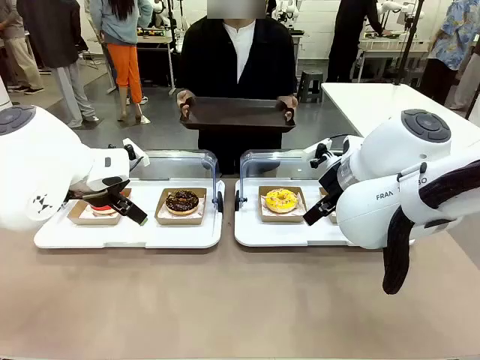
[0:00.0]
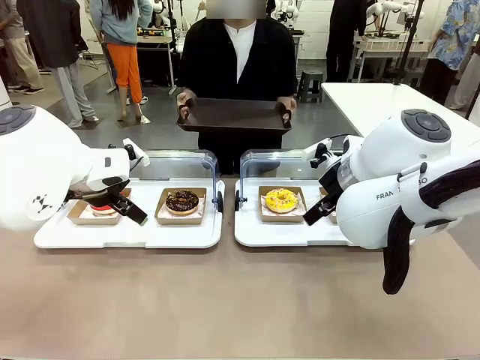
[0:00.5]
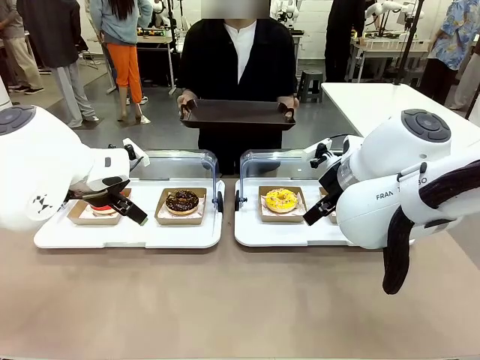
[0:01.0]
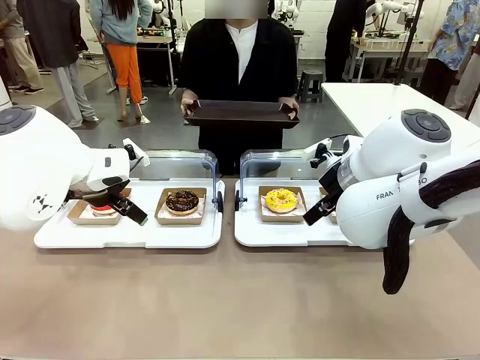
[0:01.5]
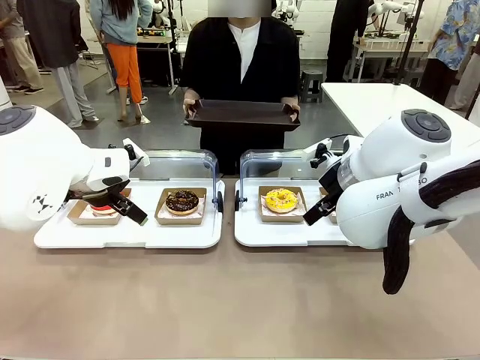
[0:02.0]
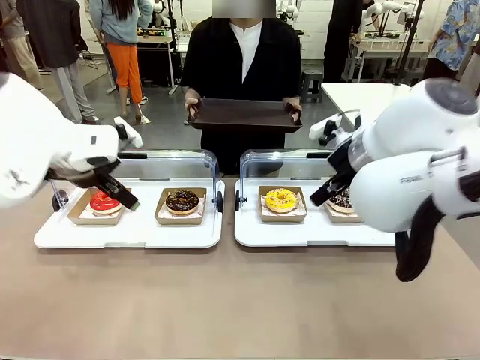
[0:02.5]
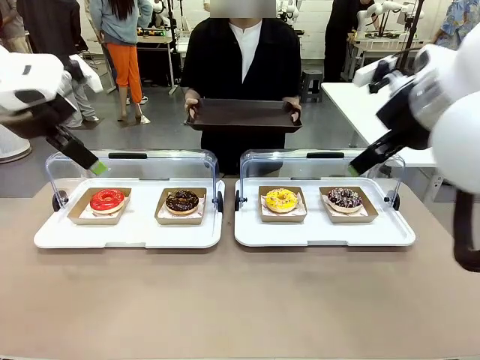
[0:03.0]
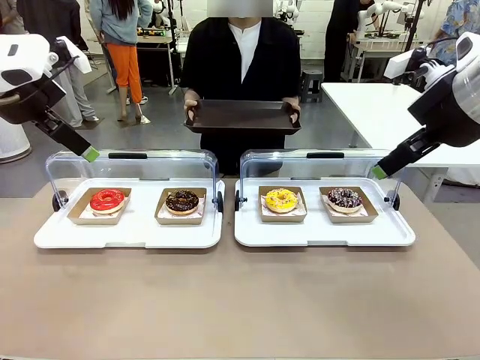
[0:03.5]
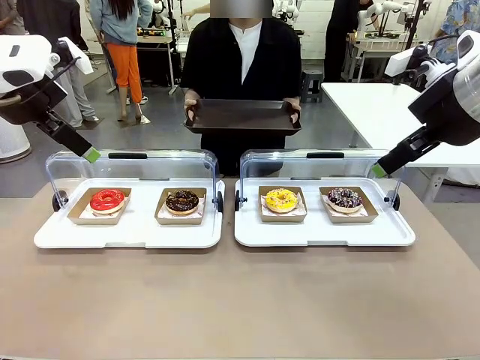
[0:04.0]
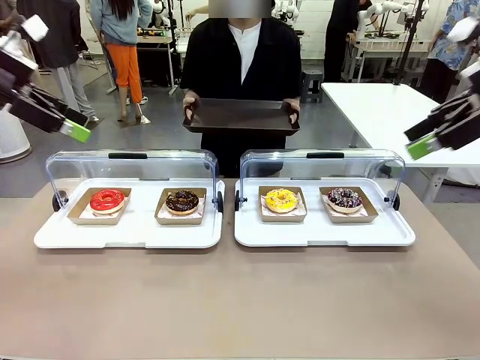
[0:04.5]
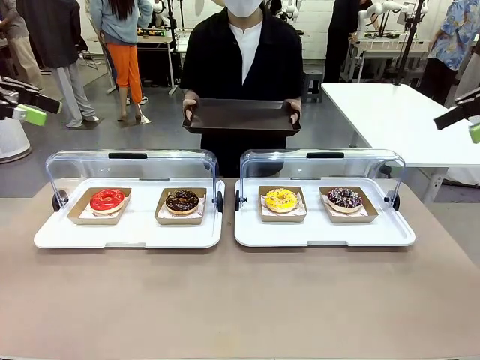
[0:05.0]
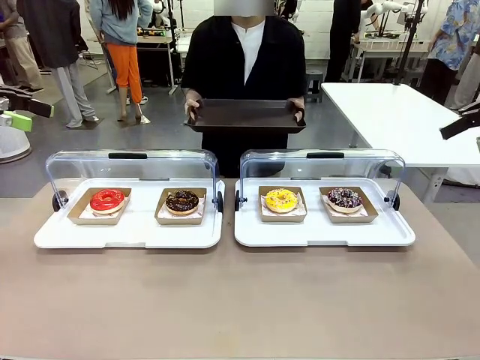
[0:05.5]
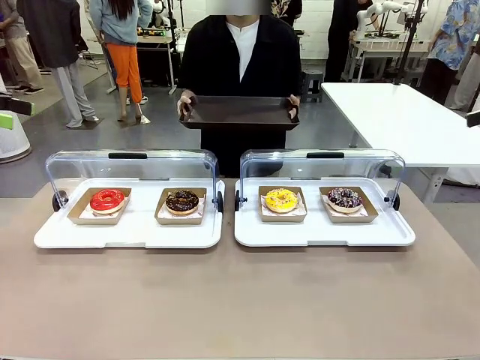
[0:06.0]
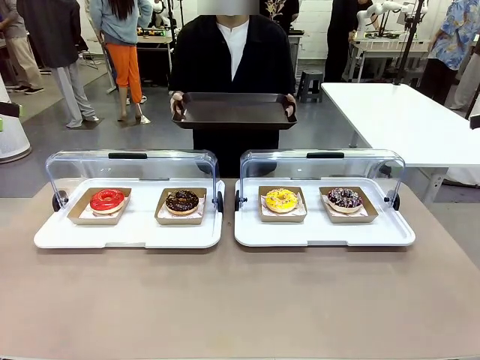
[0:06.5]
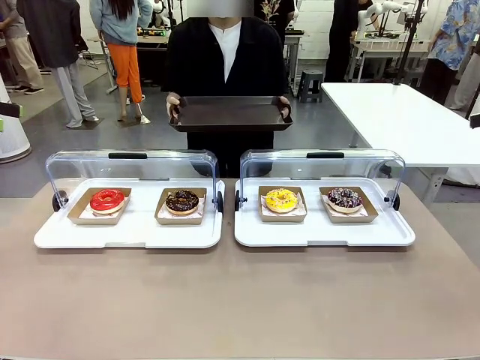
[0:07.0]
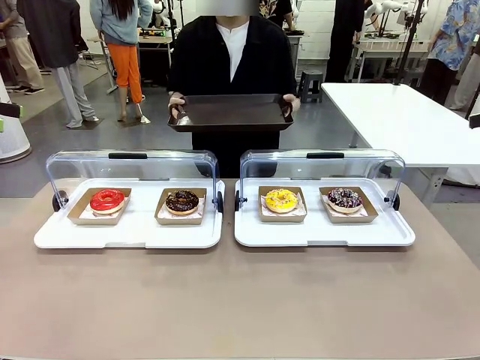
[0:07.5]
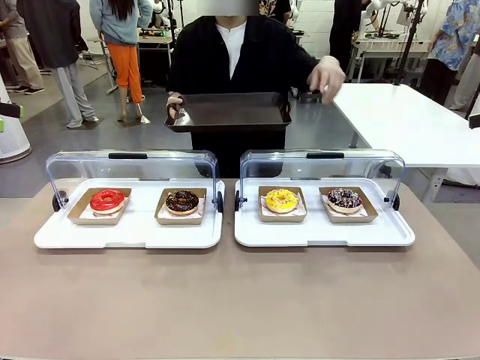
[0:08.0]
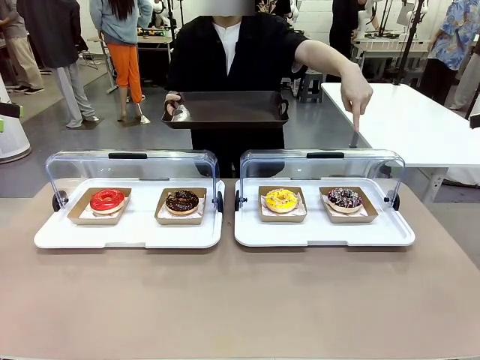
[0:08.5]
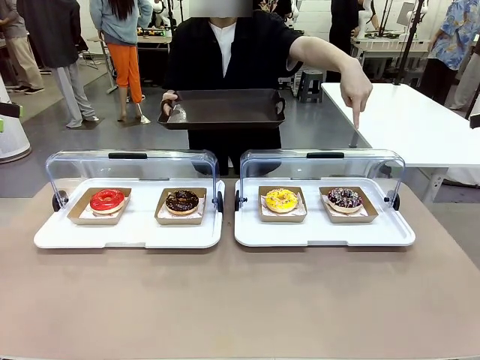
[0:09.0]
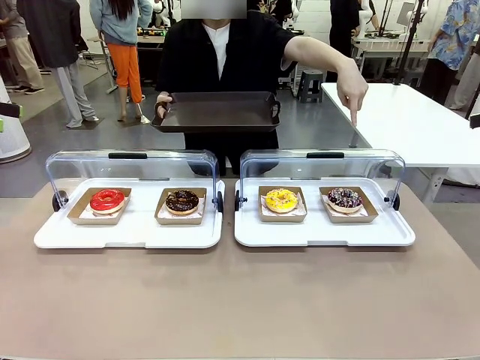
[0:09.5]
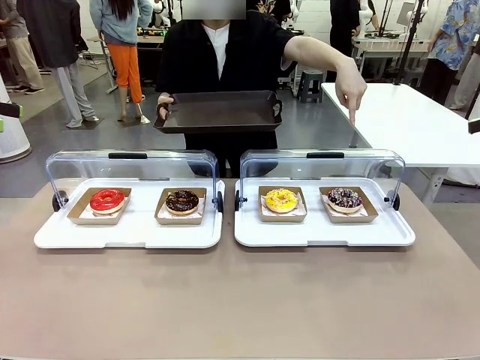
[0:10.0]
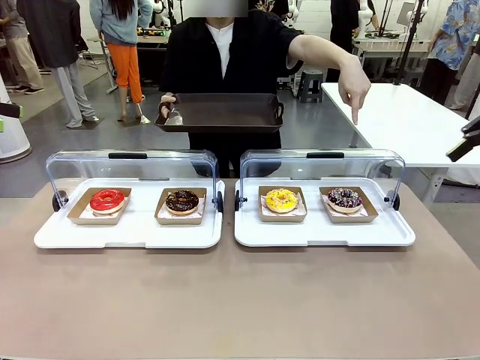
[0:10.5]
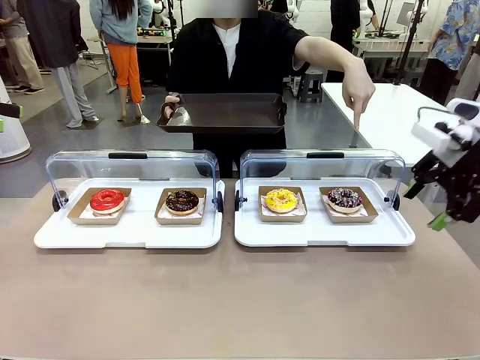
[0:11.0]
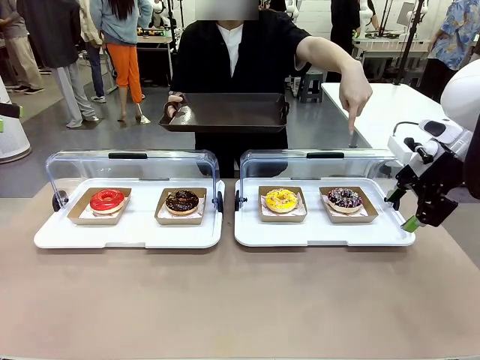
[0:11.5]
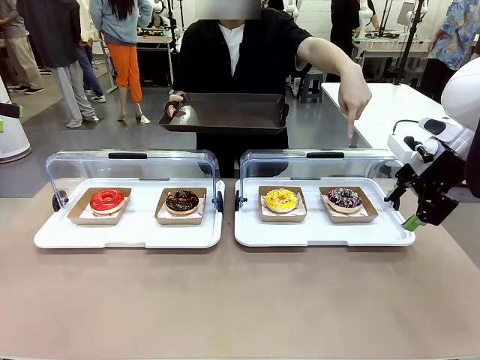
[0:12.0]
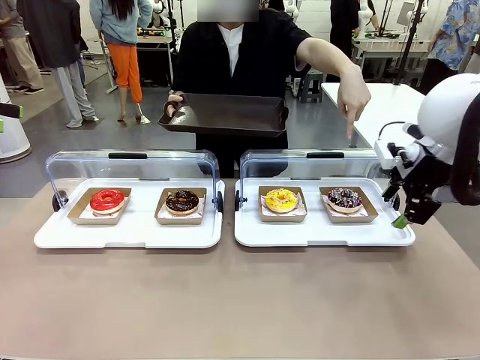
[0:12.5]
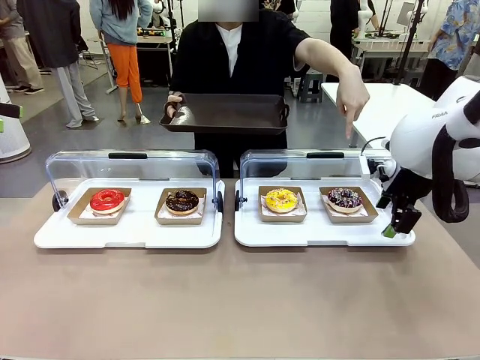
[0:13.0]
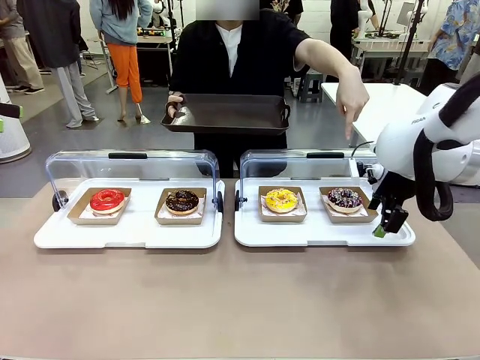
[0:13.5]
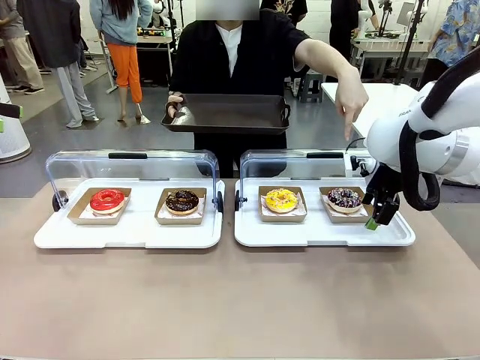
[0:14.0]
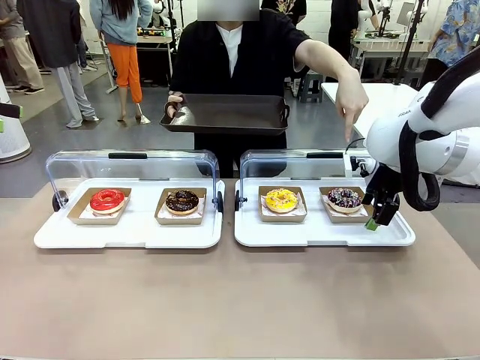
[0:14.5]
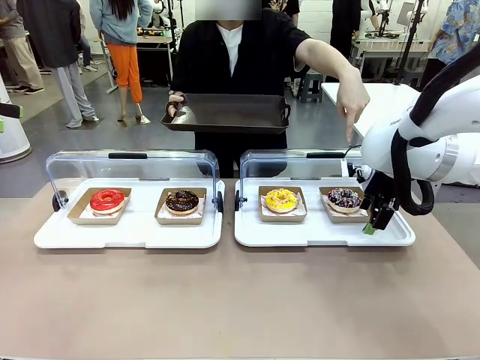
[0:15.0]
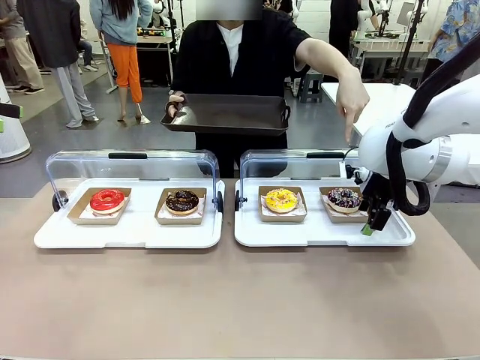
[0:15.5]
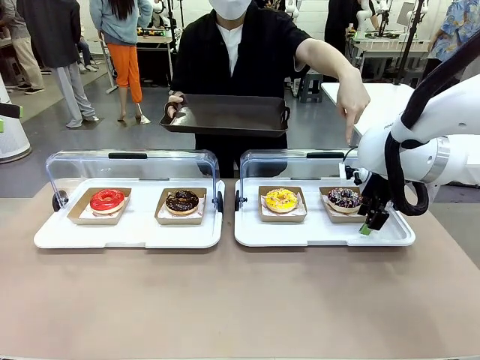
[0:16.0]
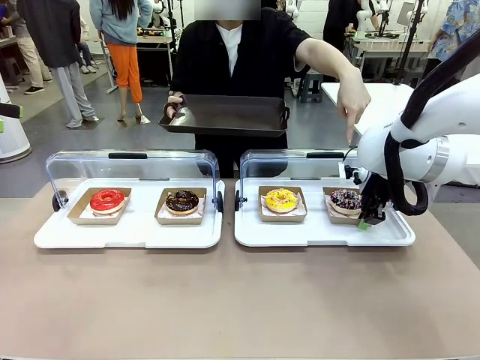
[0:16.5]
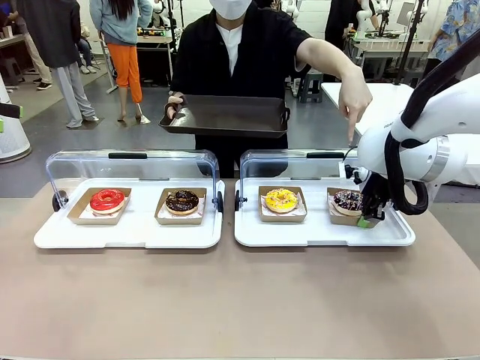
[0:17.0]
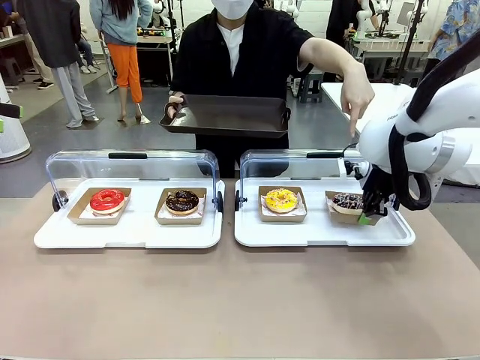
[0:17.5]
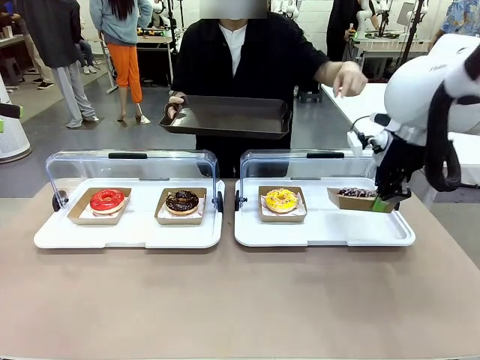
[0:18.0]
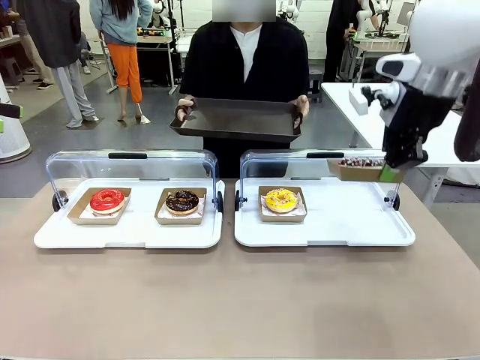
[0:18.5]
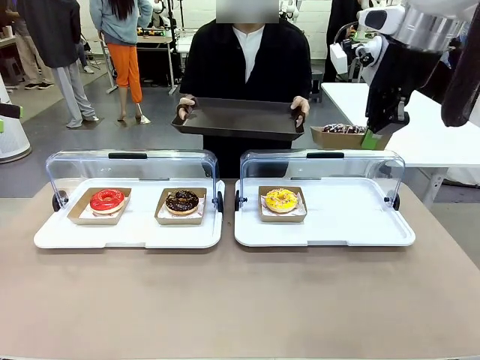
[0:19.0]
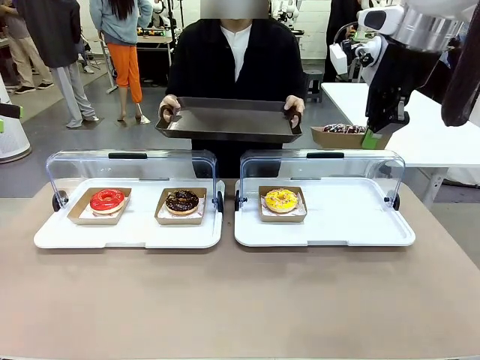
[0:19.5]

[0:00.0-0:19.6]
Task: Provide the desired donut to the person.
Robot: Pick up and lift the Paper togo box containing the Donut pointed at by the person.
Person: Point to one donut. Lift the tray onto the Roll-Top Bakery Case.

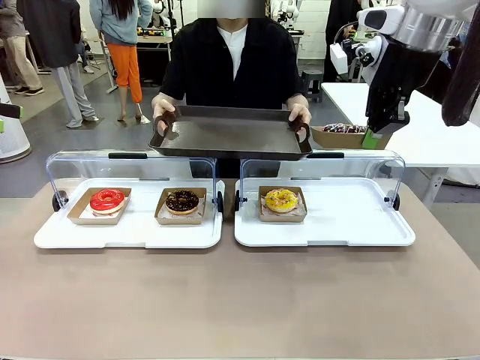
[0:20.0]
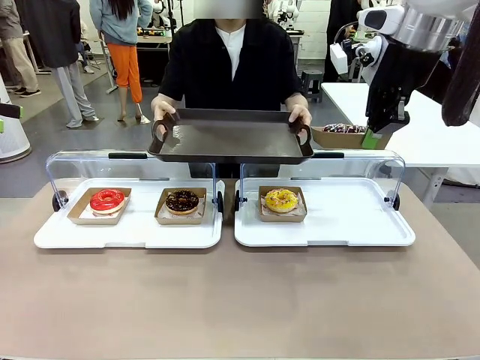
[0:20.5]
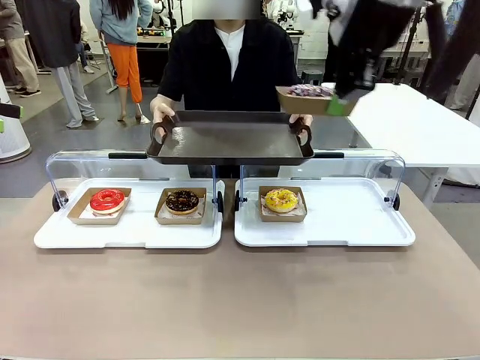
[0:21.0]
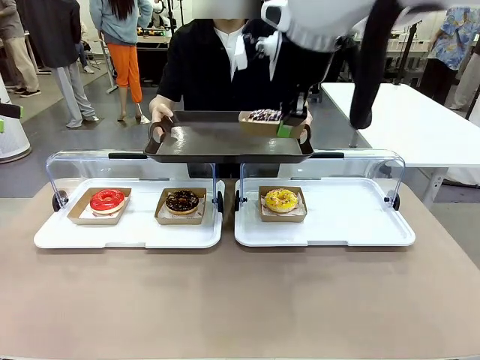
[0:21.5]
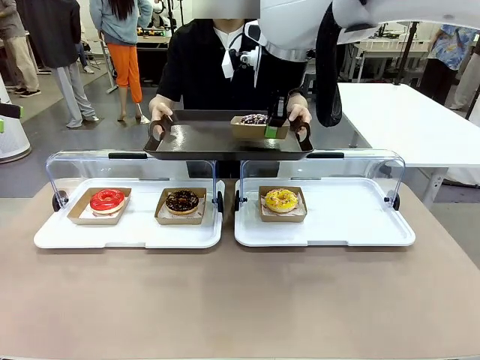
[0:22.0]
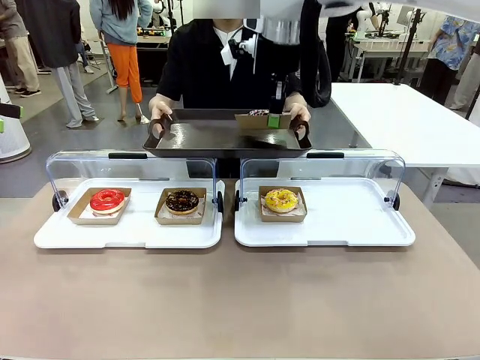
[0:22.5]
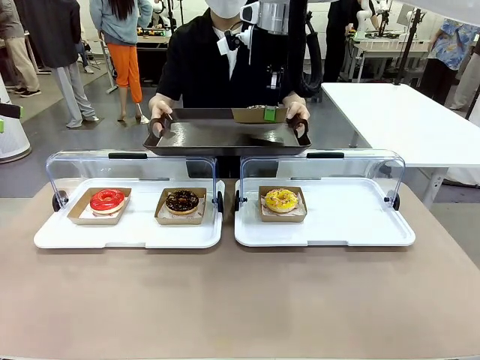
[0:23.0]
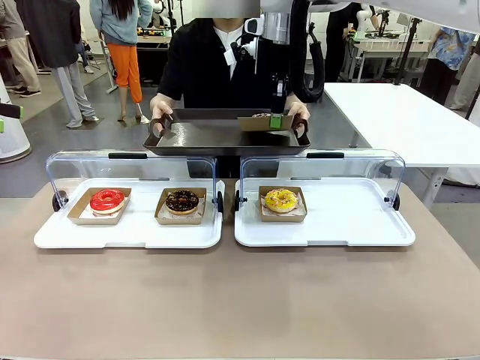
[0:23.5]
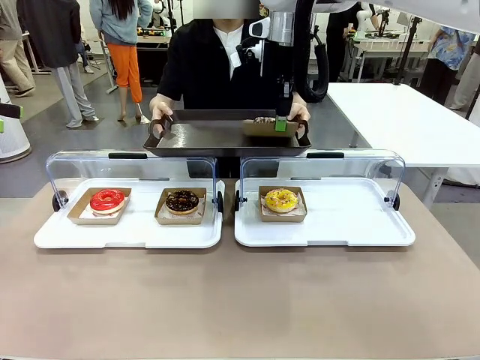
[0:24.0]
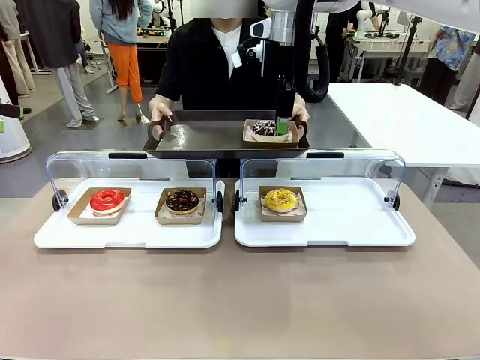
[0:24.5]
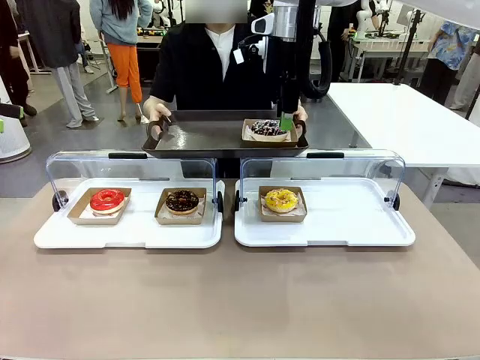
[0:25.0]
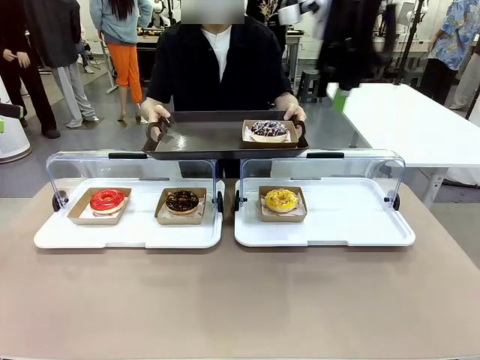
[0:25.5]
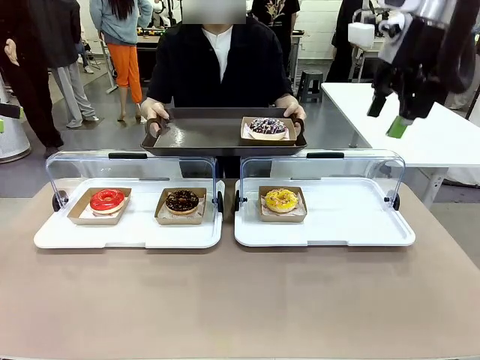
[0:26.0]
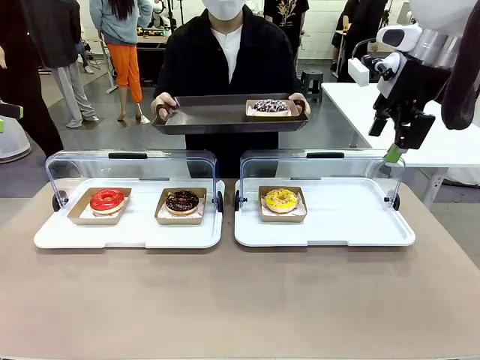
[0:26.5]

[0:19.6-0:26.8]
Robot: Place the picked Paper togo box onto the Handle tray extended by the person.
